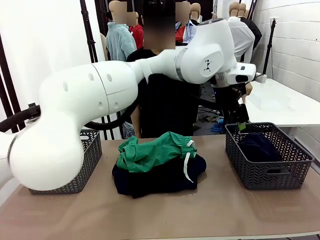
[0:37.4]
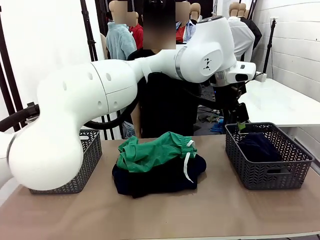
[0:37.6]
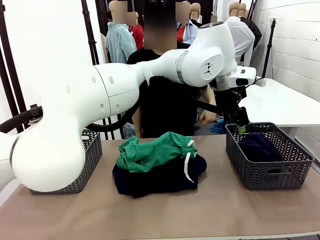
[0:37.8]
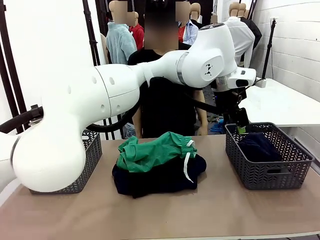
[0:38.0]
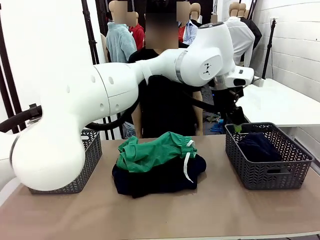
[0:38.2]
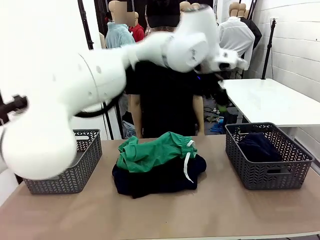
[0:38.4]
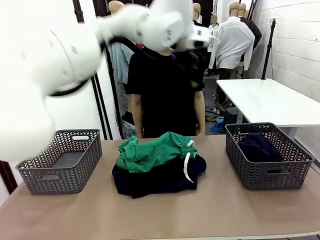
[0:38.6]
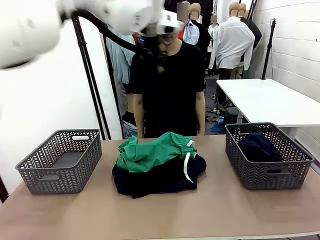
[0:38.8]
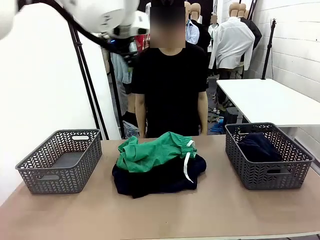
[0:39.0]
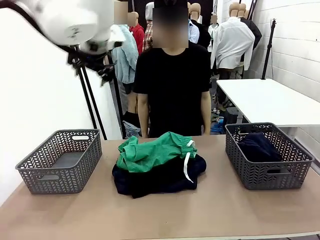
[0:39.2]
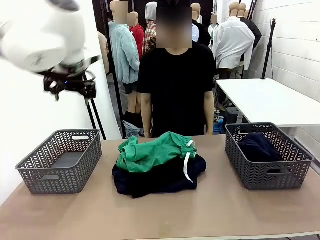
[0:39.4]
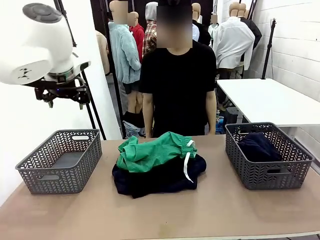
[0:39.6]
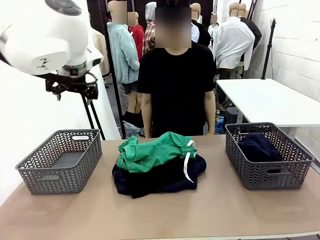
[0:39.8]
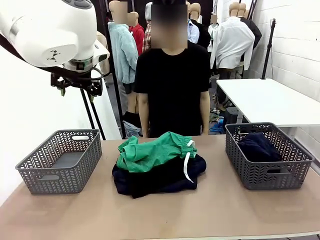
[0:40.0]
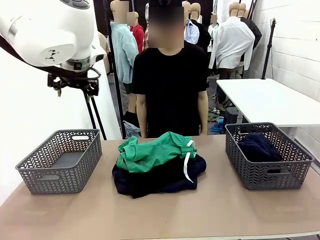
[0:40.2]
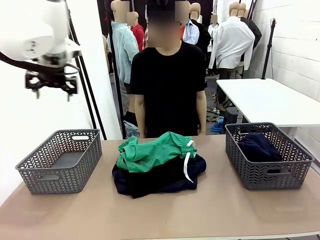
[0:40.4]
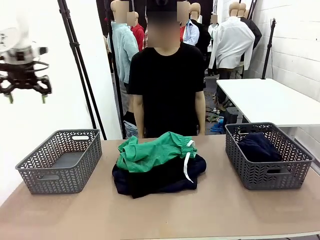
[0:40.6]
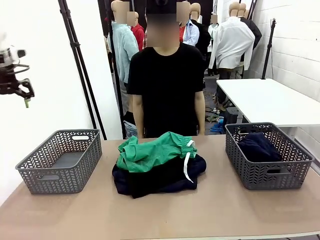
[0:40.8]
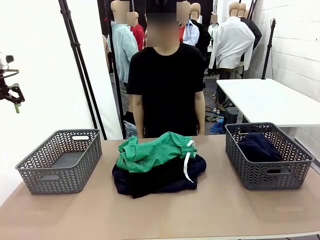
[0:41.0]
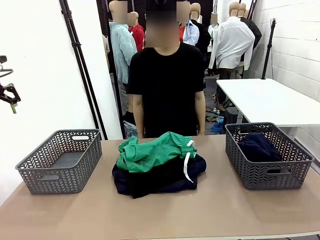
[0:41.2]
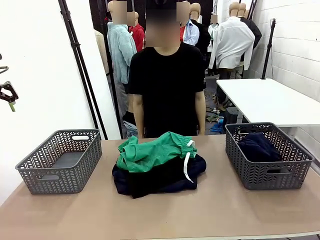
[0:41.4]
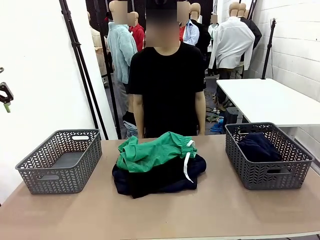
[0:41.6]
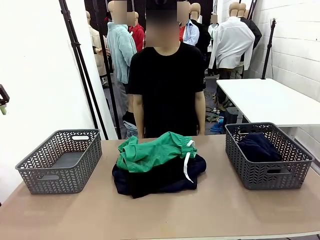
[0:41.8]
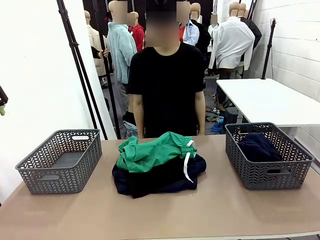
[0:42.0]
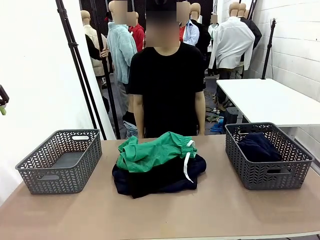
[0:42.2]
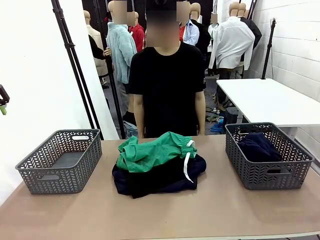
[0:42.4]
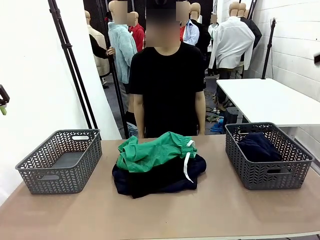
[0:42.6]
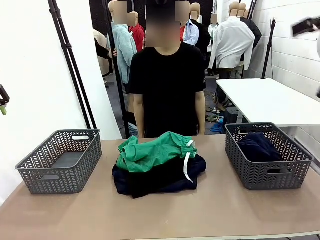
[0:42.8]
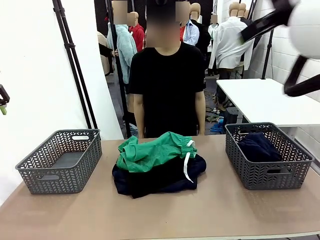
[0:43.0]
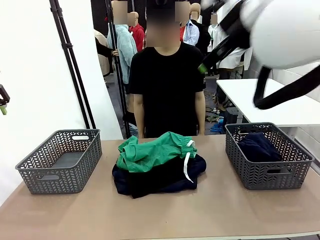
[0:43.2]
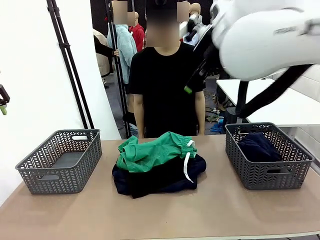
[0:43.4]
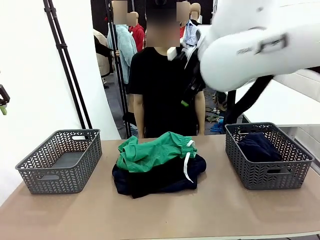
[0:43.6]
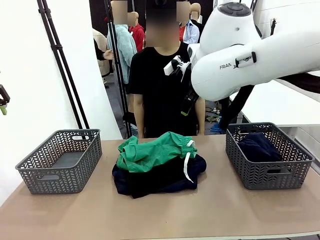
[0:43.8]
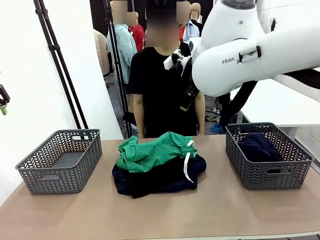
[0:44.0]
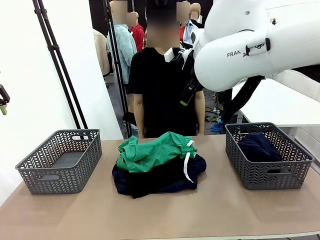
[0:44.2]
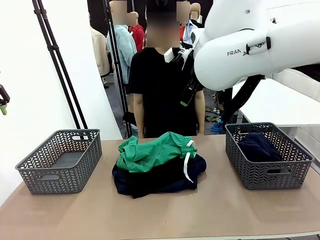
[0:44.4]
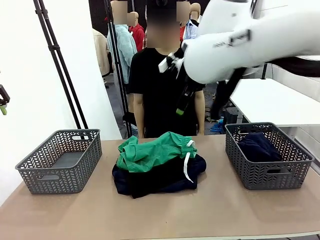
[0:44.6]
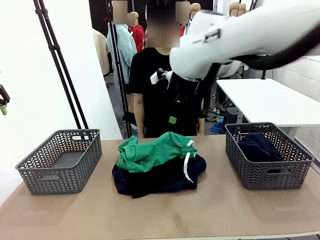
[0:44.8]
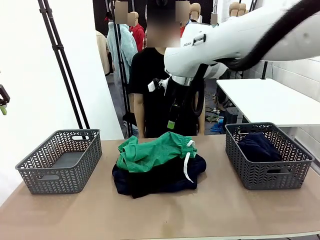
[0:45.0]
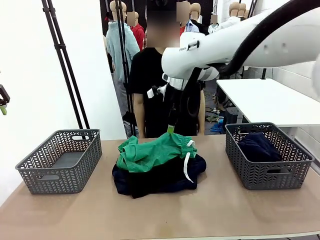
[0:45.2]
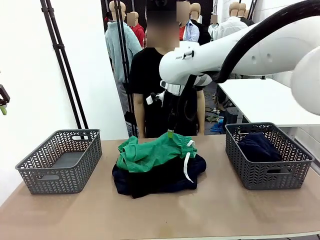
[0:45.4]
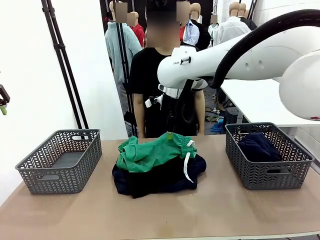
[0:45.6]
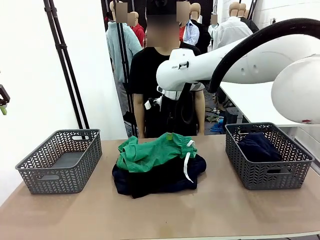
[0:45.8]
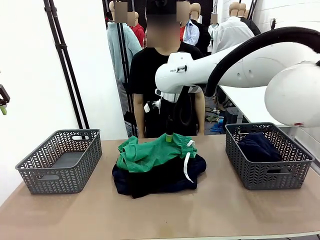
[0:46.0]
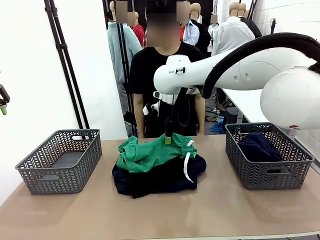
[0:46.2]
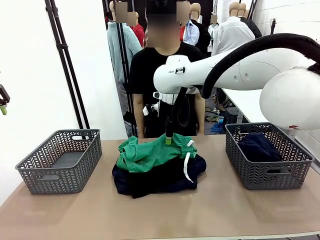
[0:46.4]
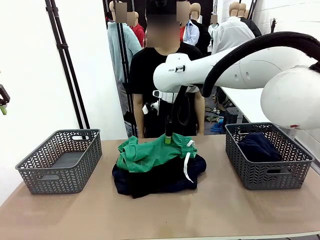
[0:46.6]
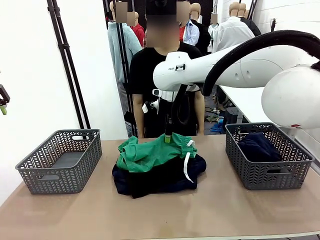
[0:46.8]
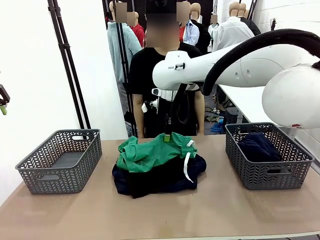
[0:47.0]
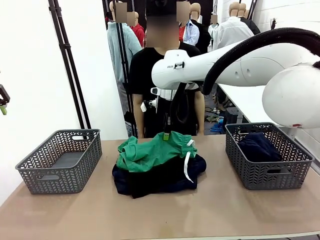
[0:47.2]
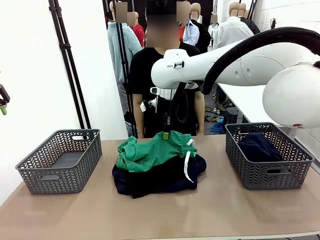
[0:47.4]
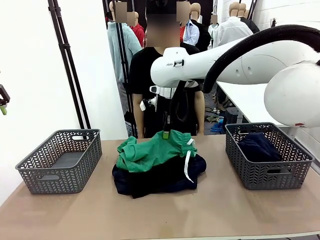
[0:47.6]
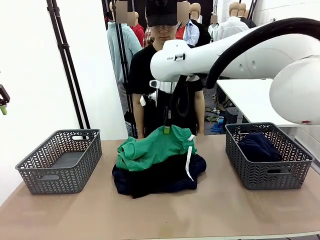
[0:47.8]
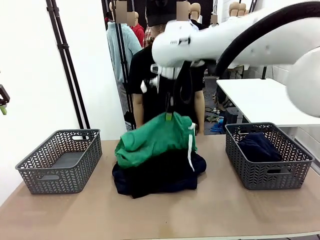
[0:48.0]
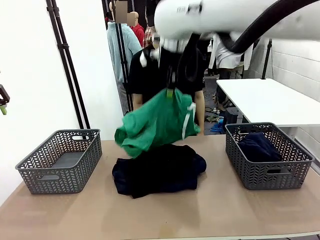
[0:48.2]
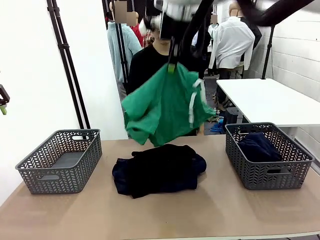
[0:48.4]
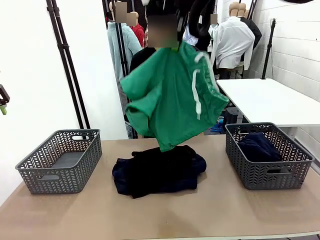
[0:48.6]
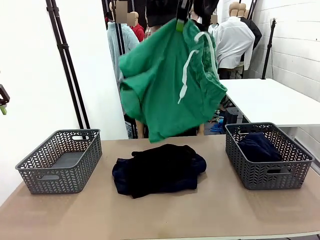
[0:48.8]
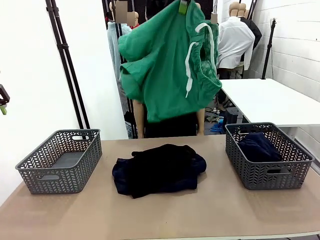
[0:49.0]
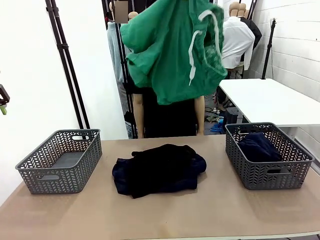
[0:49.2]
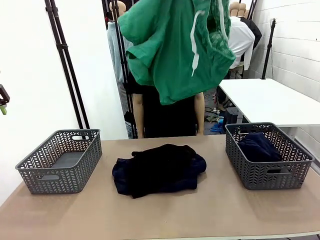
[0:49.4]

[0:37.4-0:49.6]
Task: Sort the tops and bottoms.
Robot: Lift clothes from the center of the table with your right hand.

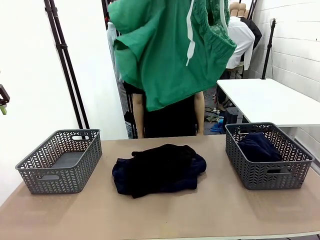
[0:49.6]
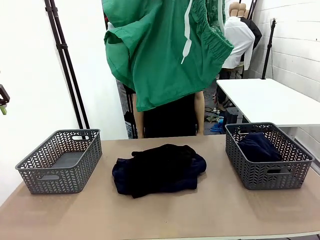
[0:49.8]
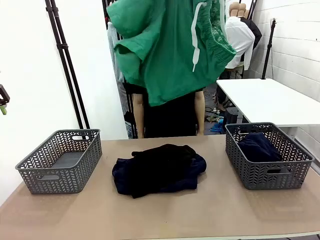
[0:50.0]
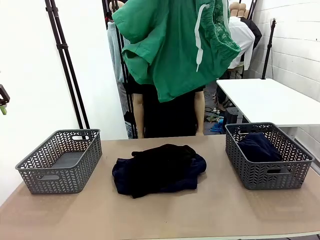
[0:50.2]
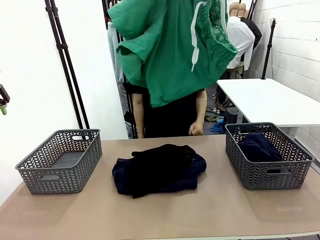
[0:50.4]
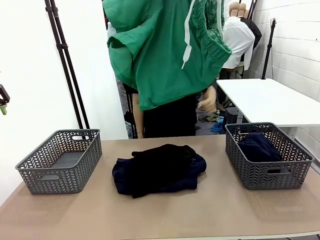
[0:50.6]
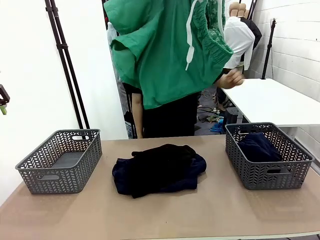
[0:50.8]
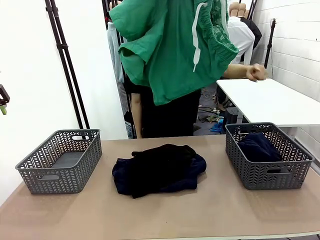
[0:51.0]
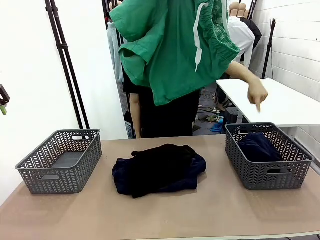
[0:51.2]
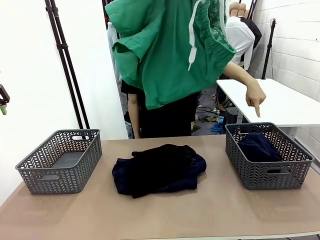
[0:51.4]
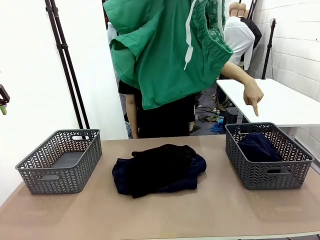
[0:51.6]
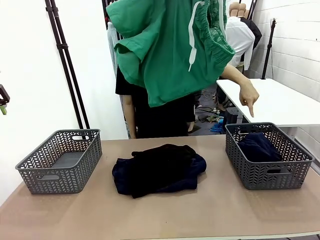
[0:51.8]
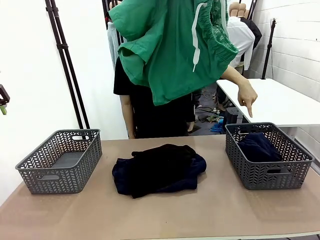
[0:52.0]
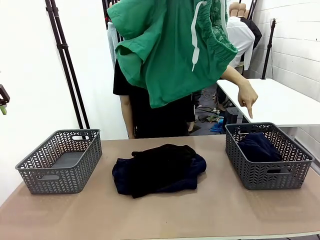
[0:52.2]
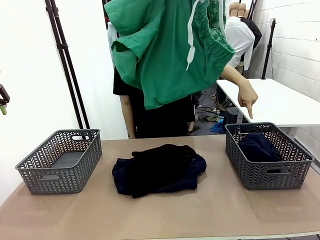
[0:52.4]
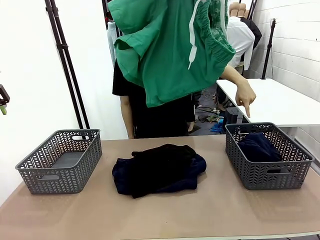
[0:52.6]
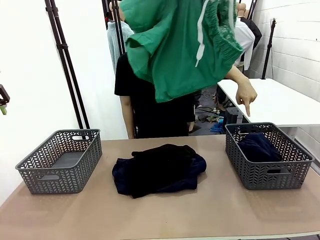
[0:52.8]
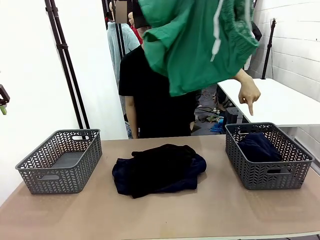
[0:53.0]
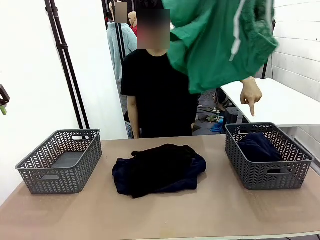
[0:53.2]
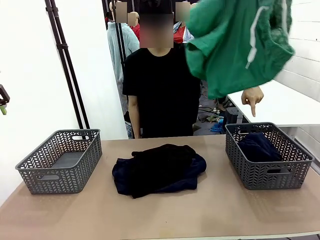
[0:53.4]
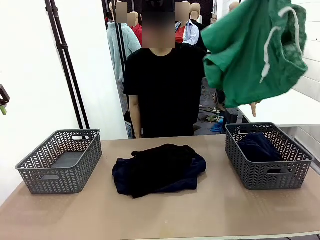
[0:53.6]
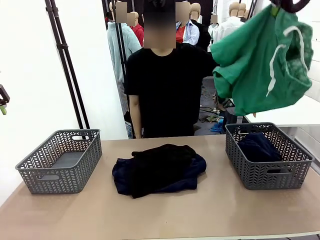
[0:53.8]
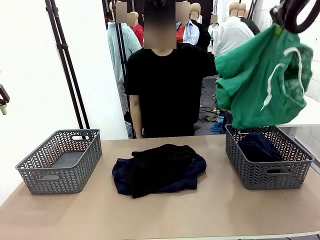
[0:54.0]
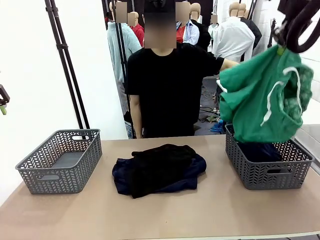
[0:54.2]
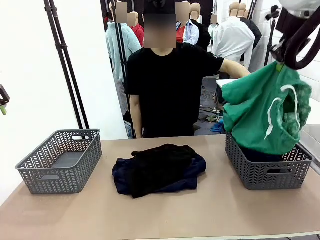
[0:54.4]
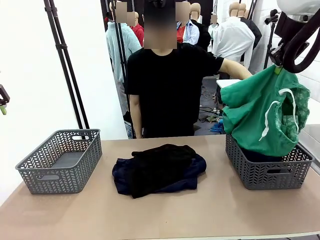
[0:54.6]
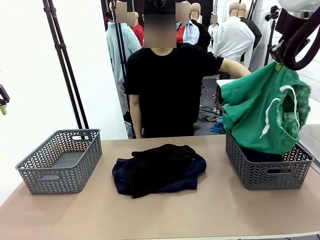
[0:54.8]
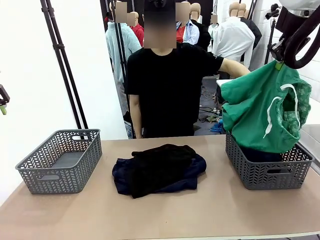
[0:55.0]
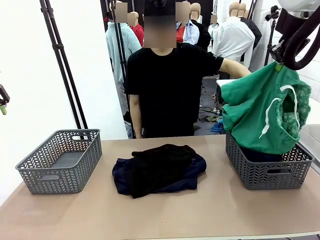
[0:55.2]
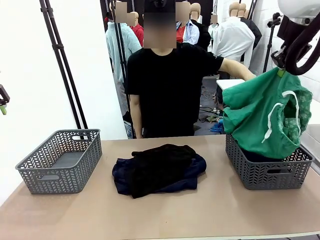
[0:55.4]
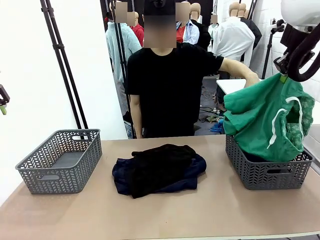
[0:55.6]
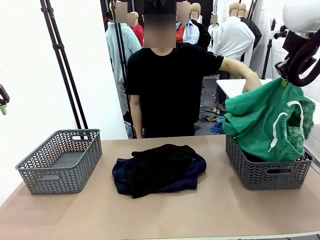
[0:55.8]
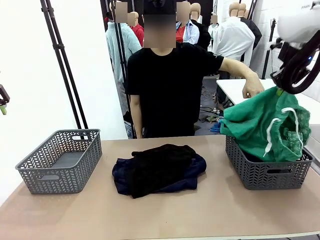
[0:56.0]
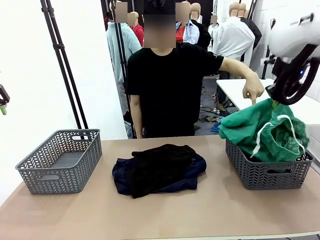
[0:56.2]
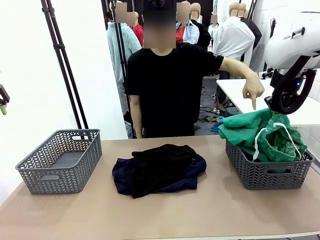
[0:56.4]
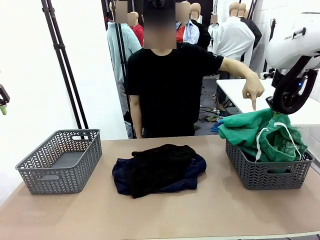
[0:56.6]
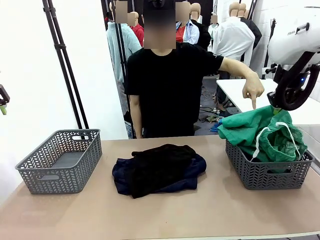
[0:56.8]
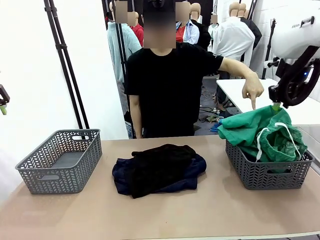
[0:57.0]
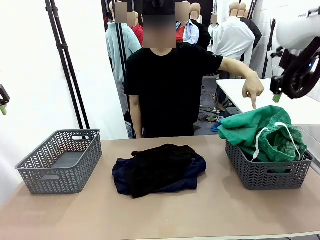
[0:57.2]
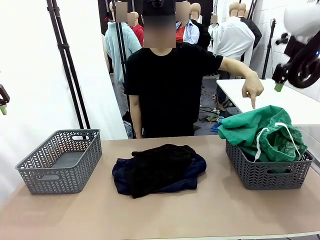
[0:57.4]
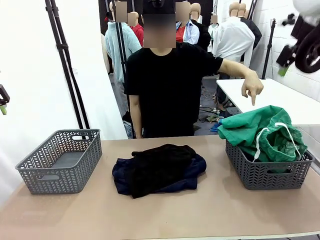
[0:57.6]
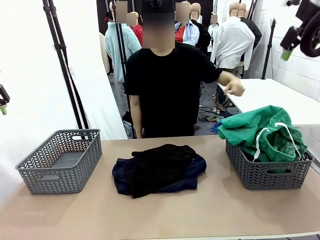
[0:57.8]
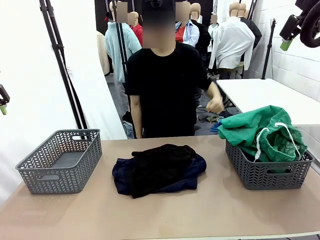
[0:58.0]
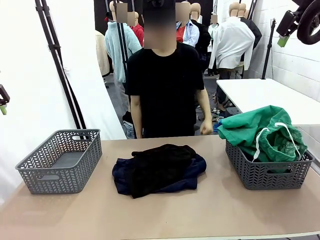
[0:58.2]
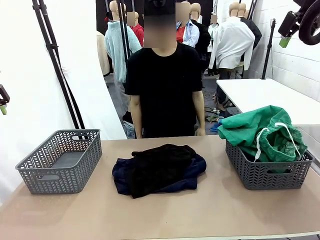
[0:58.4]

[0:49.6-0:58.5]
Robot: Sort the clothes according to human instructions.
